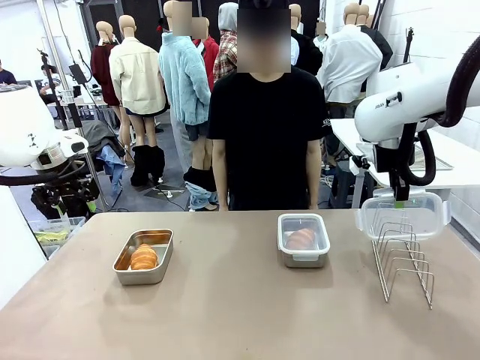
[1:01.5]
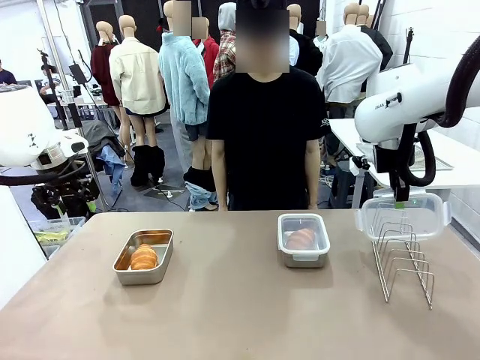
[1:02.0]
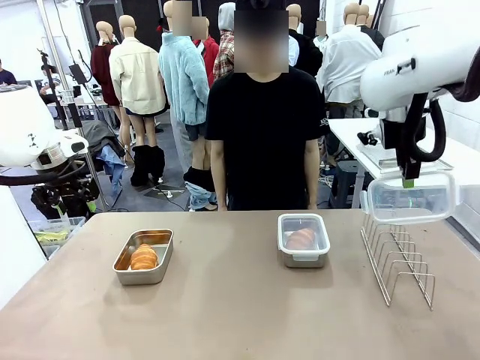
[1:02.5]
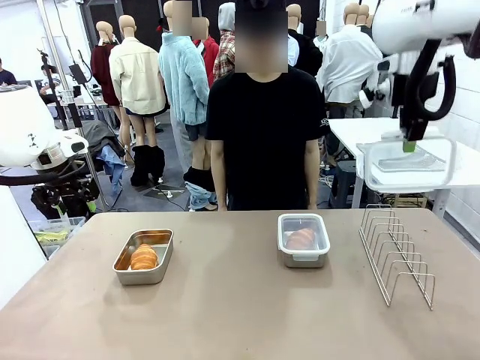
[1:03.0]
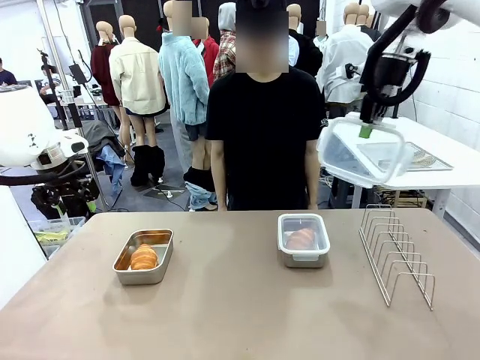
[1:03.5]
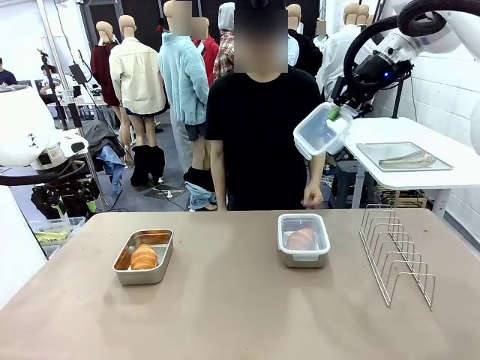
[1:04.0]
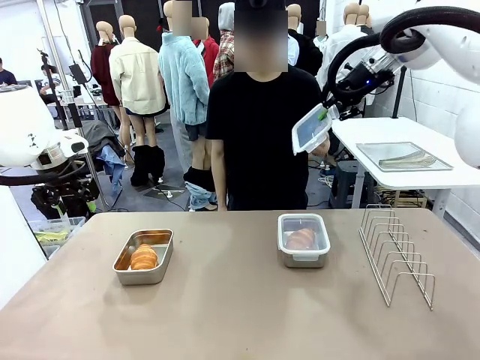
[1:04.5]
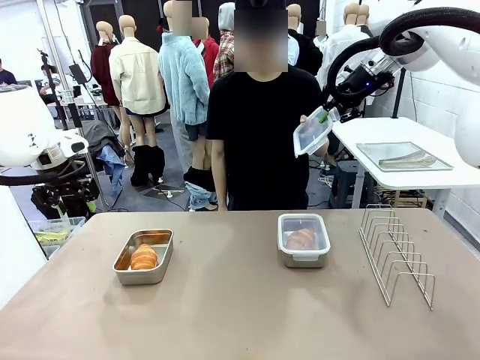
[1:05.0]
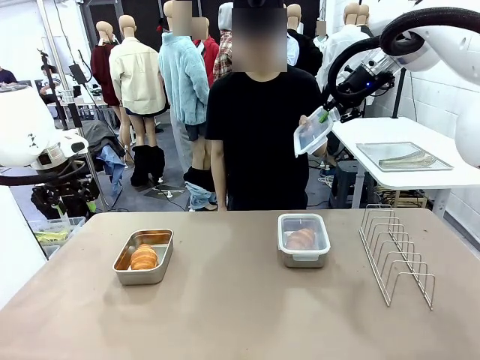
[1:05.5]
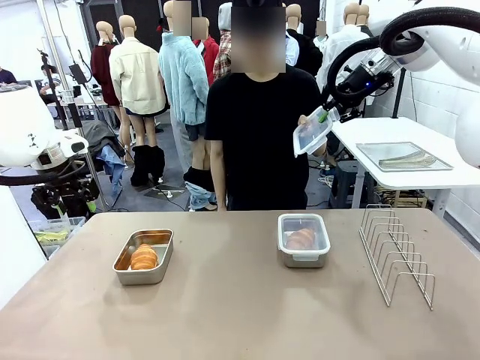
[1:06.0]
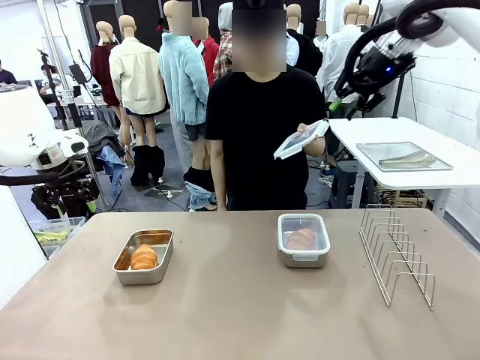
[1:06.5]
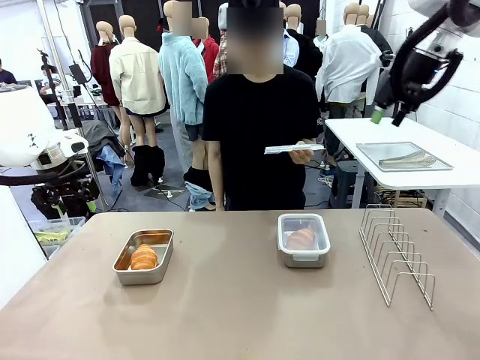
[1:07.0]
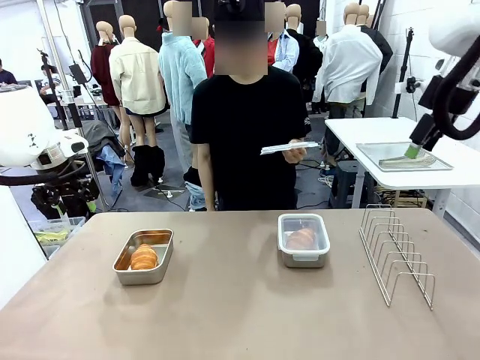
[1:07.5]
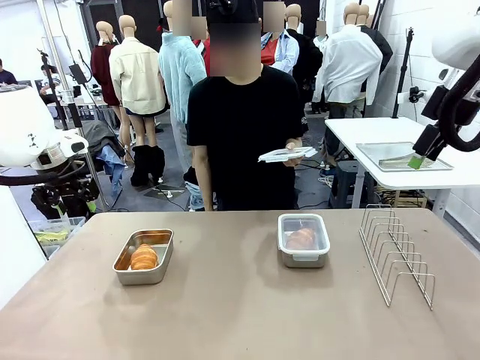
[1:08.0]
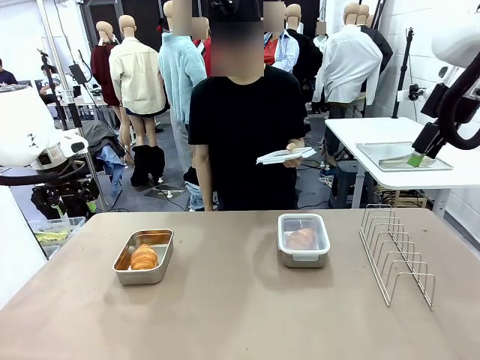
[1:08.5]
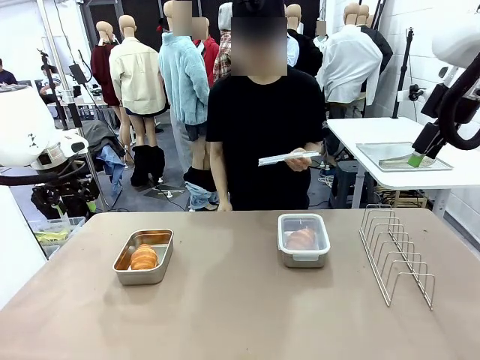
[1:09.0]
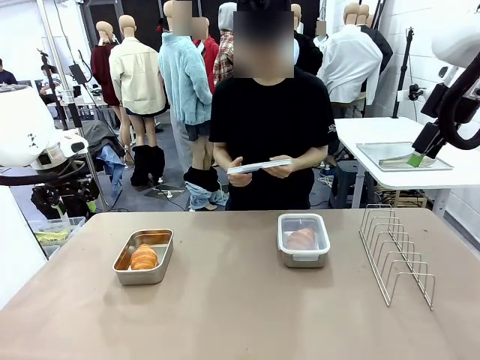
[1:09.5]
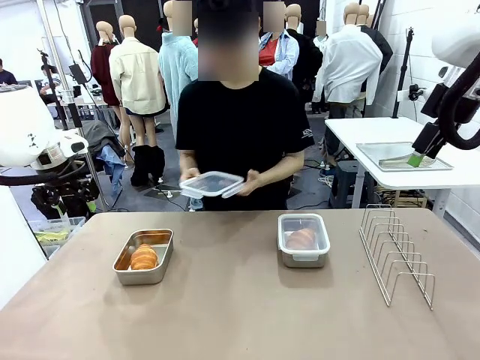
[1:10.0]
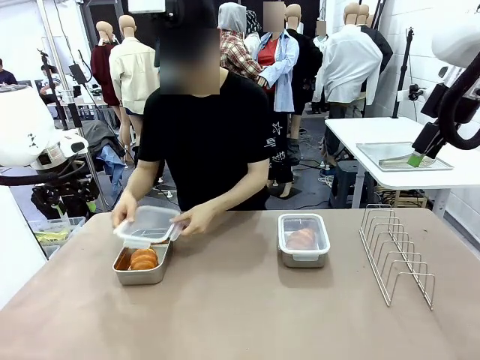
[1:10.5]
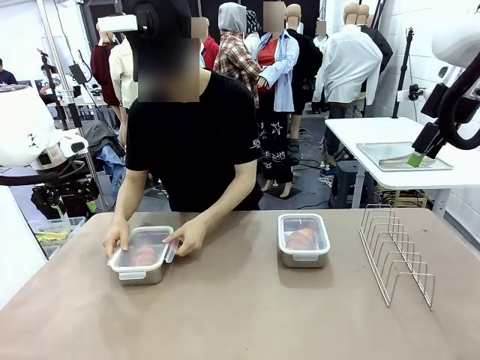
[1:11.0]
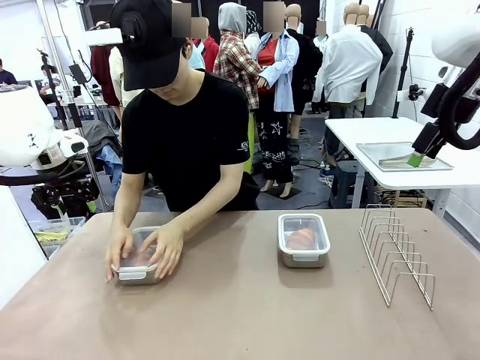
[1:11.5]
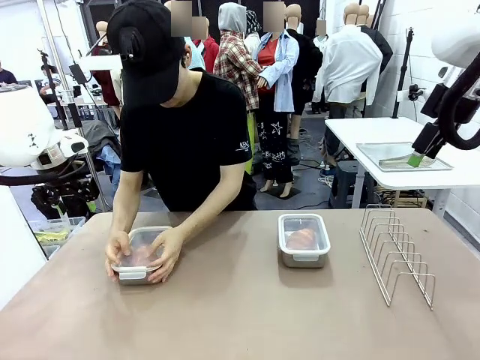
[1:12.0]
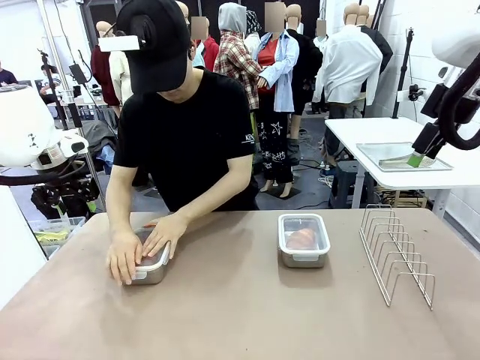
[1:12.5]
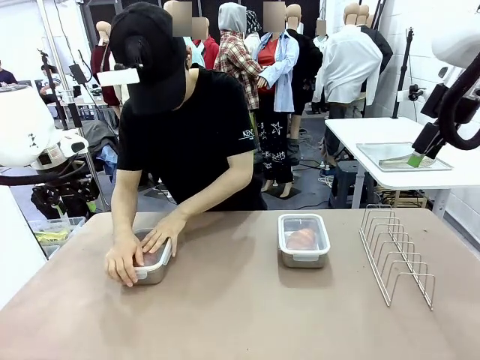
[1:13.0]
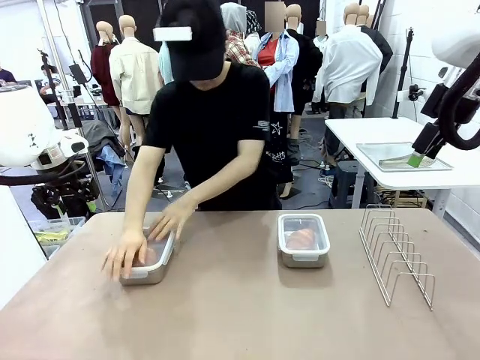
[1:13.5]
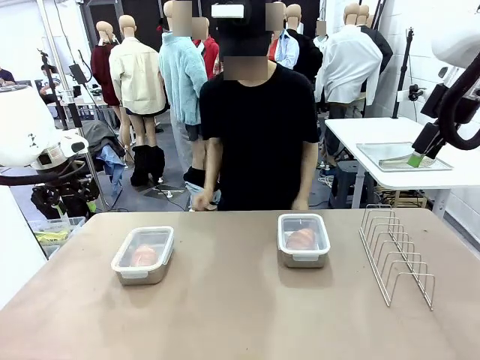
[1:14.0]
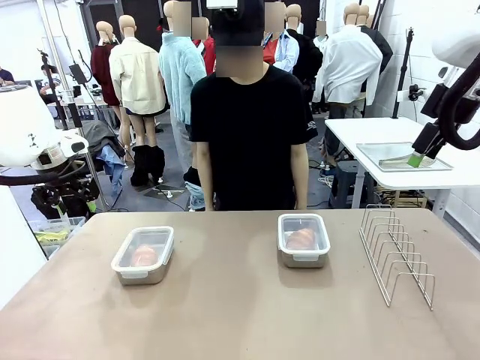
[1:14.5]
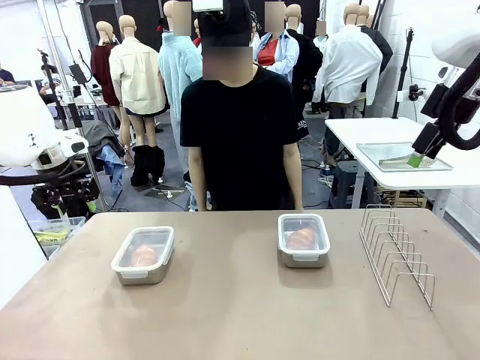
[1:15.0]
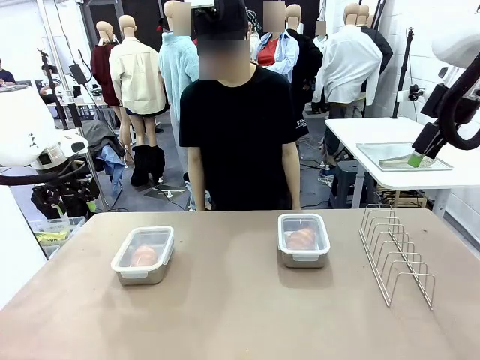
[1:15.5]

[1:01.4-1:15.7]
Task: Place the bread in airtight containers.
Robot: Release when the human grabs the Airtight Container lid.
Person: Grip Airtight Container lid that robot is handing. Close Airtight Container with a handed Airtight Container lid.

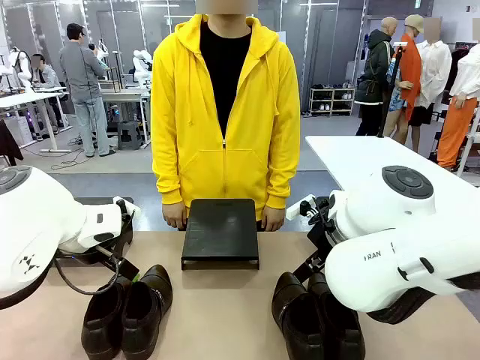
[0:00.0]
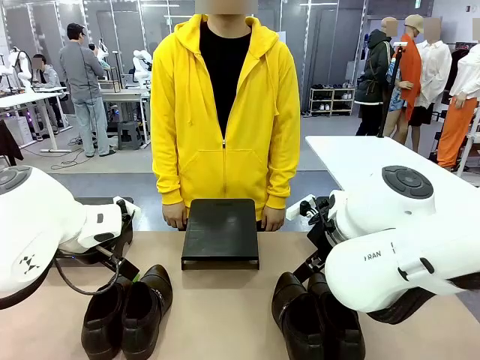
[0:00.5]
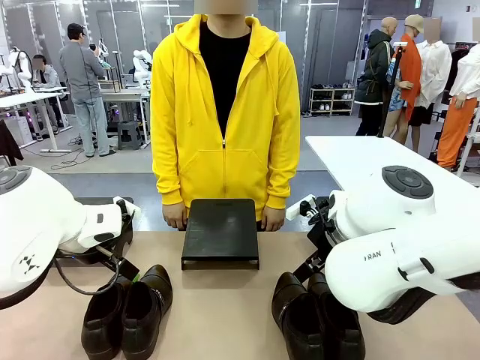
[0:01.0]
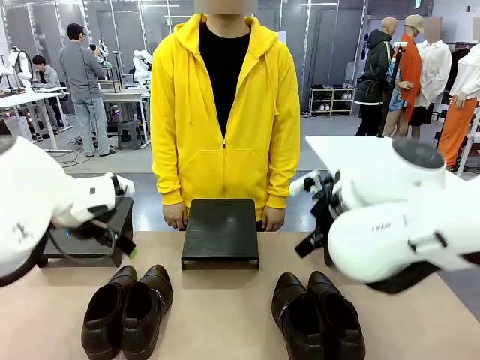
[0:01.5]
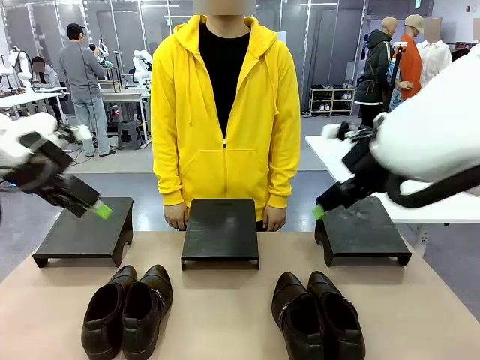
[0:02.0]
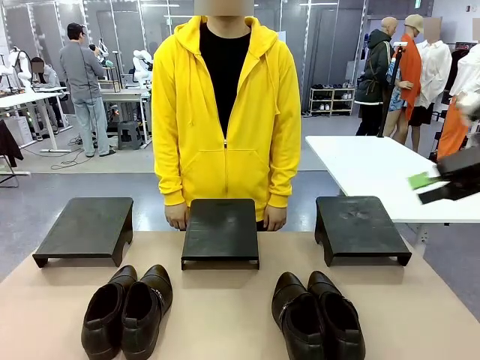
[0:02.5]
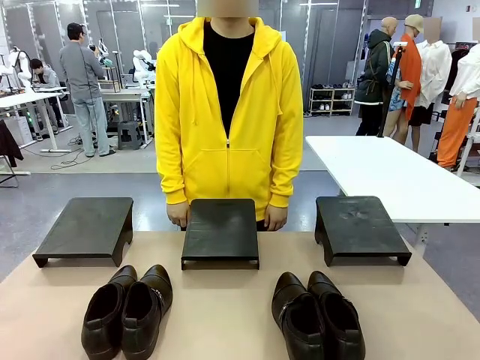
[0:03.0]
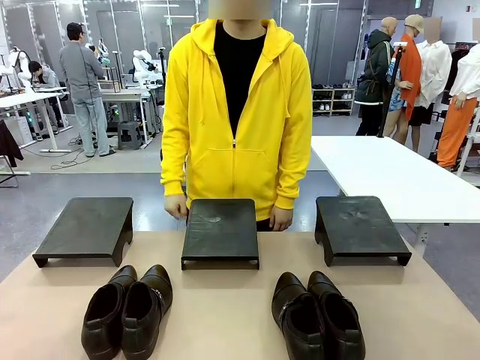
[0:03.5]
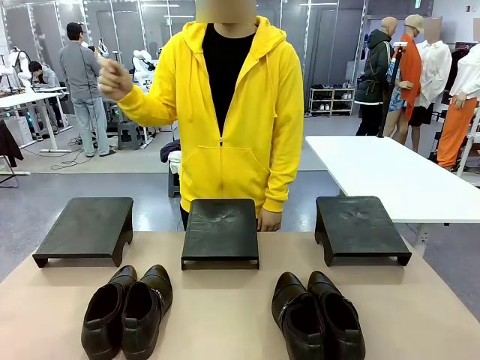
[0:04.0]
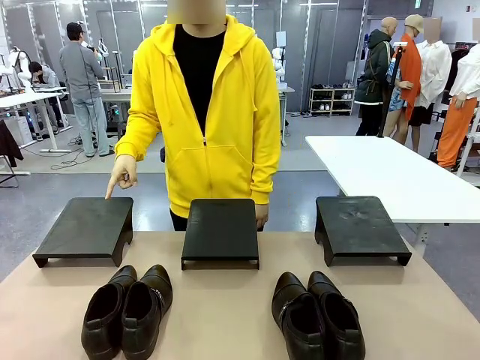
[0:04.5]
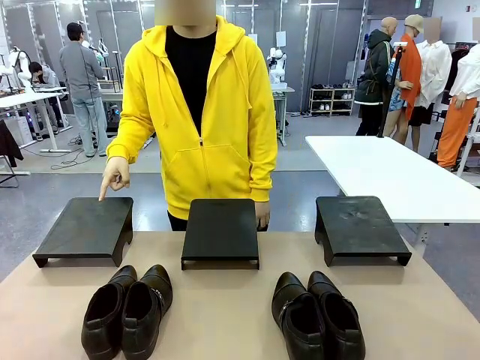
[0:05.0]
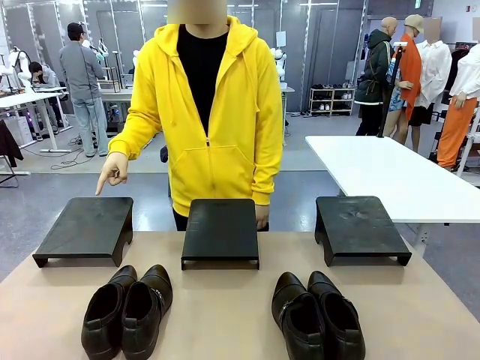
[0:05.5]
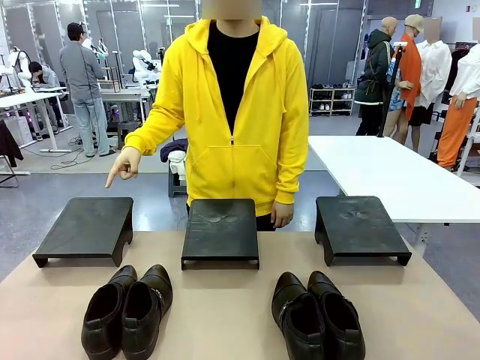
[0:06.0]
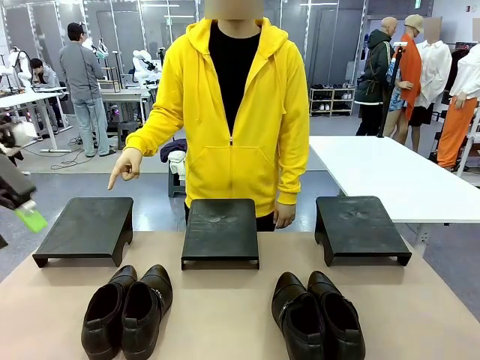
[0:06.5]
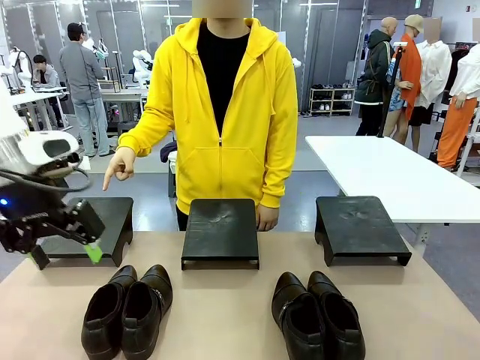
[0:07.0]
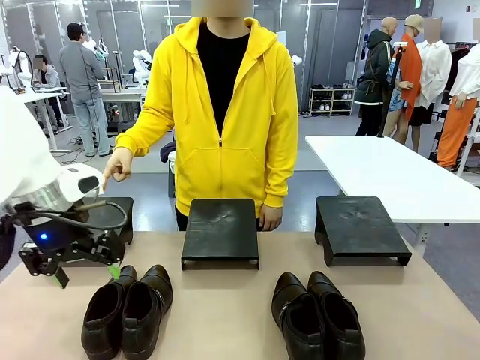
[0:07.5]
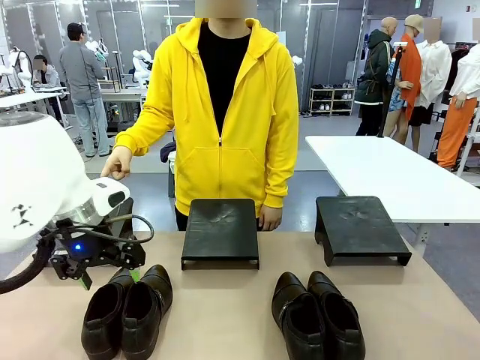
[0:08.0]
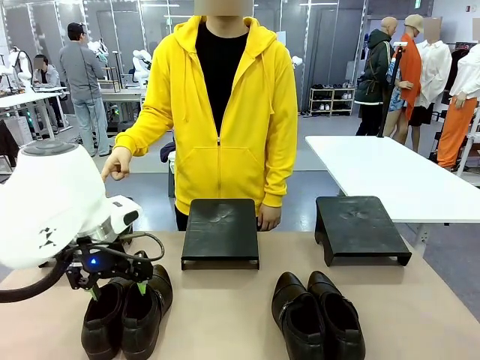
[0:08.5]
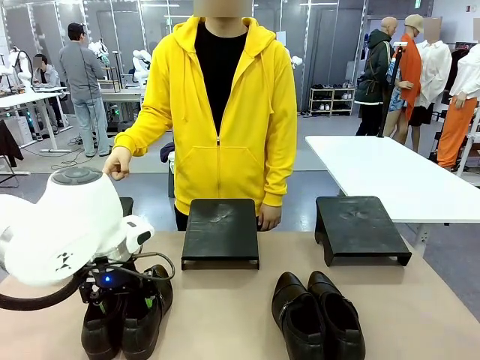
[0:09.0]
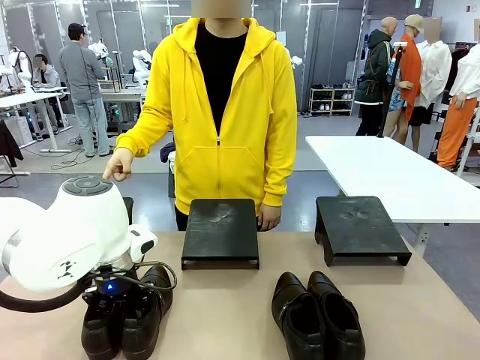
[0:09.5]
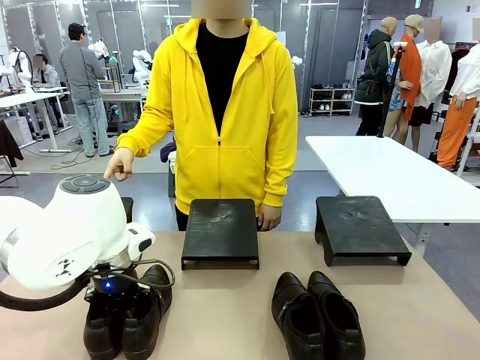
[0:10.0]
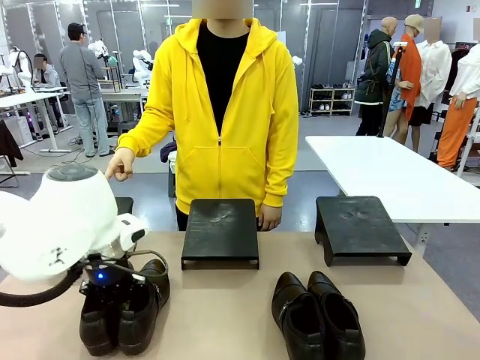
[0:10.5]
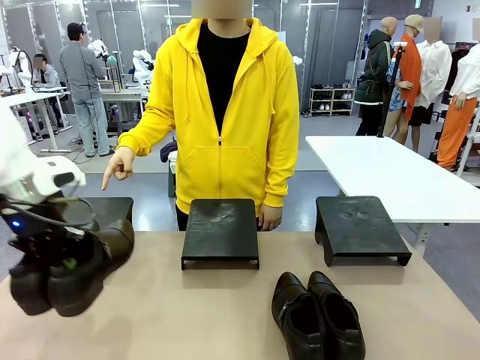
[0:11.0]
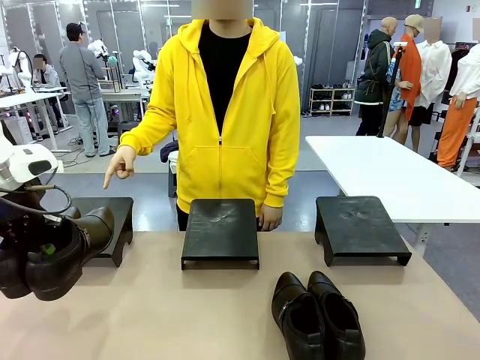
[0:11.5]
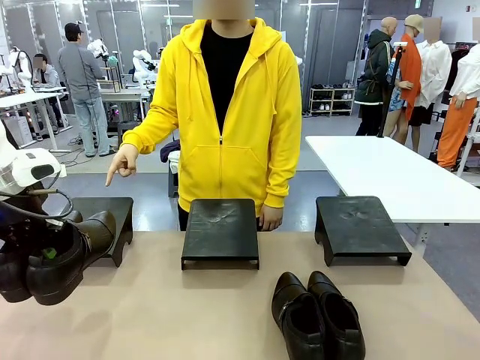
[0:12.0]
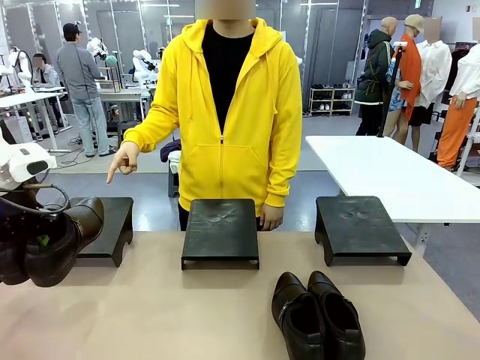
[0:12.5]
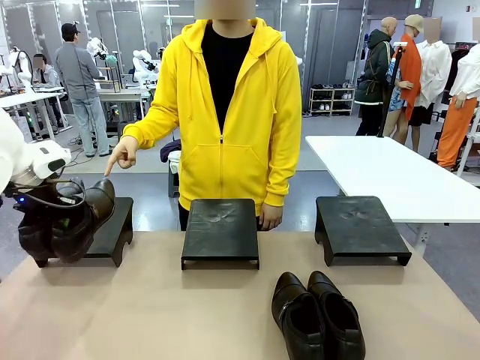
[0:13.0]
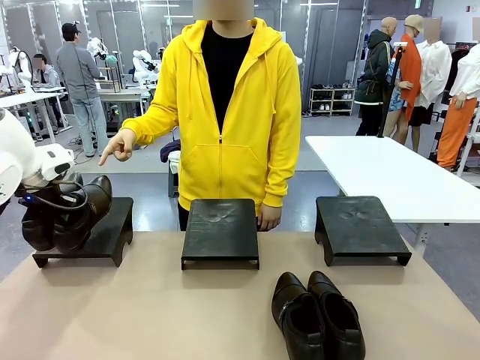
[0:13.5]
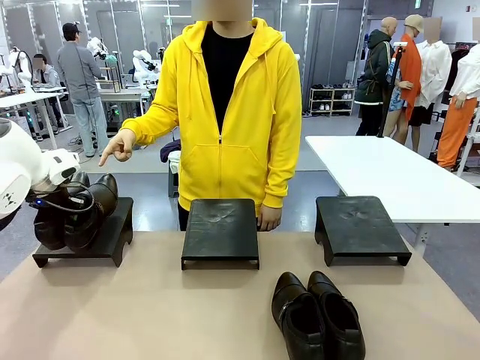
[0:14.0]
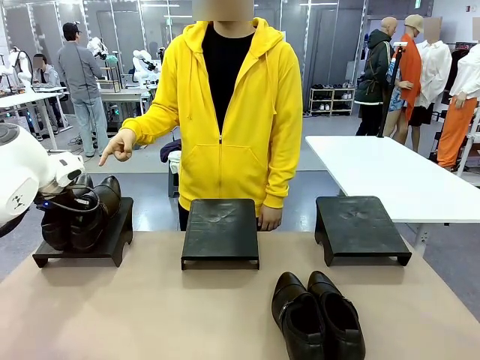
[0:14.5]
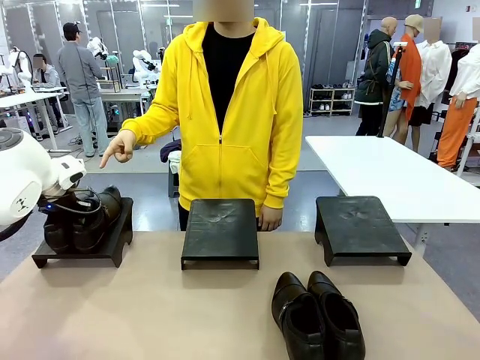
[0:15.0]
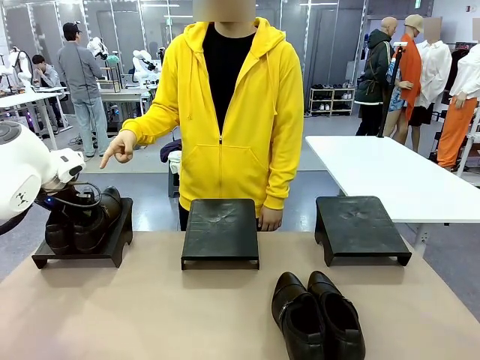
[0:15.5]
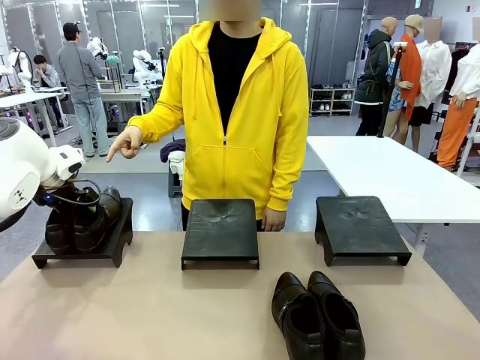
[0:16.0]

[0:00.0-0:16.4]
Task: Place the shoes on the stand as instructed by the person.
Robot: Pick up one pair of Shoes and place it on the Shoes Stand indicated by the person.
